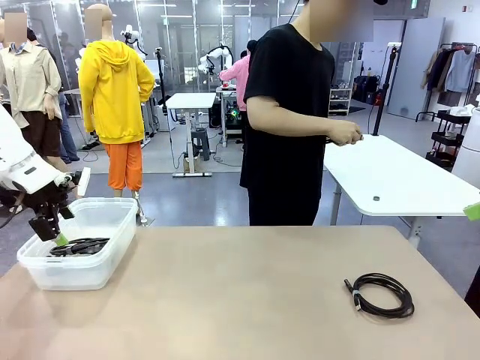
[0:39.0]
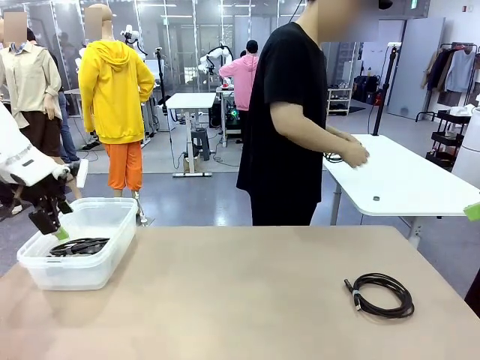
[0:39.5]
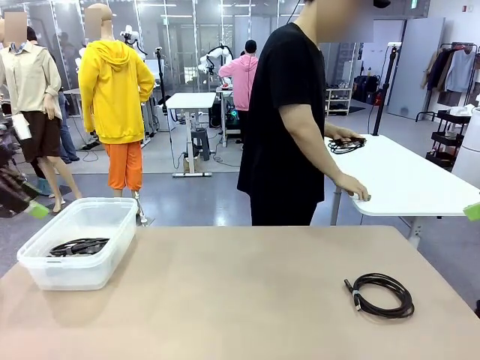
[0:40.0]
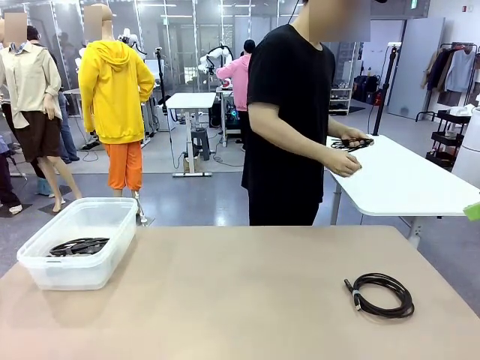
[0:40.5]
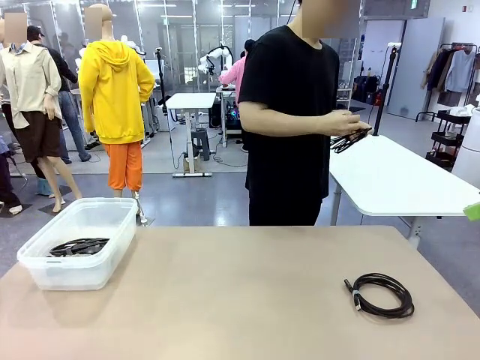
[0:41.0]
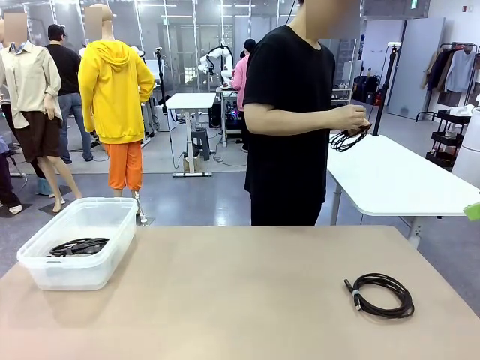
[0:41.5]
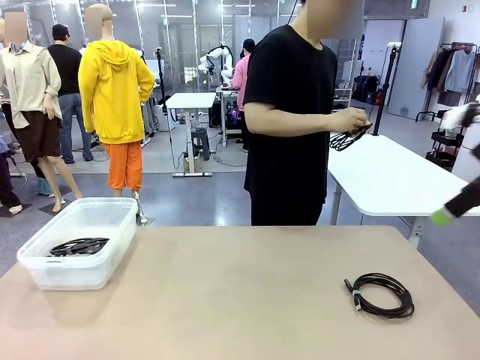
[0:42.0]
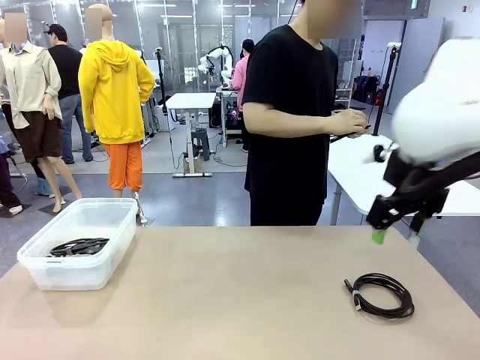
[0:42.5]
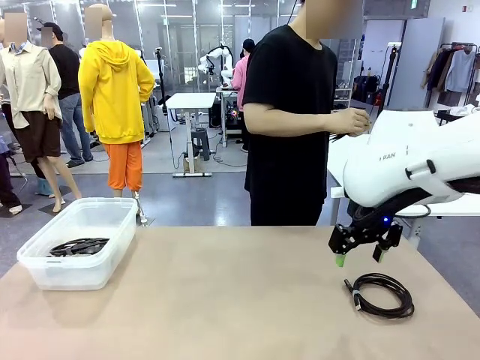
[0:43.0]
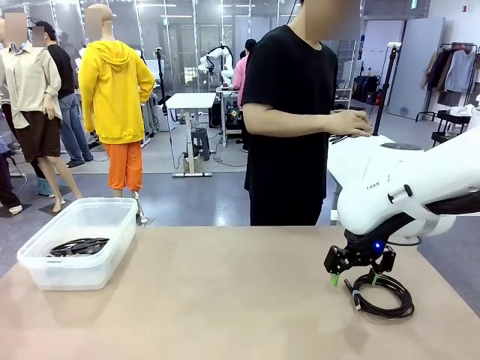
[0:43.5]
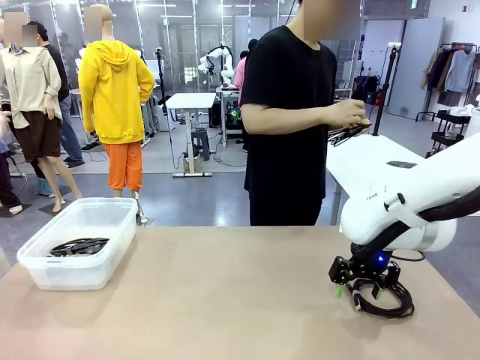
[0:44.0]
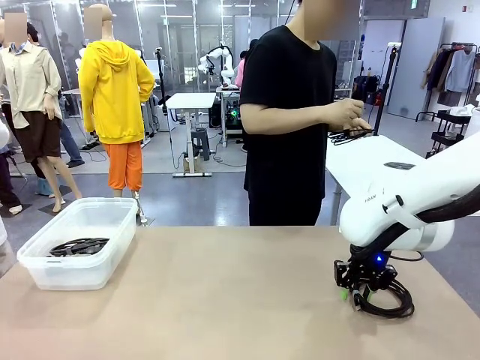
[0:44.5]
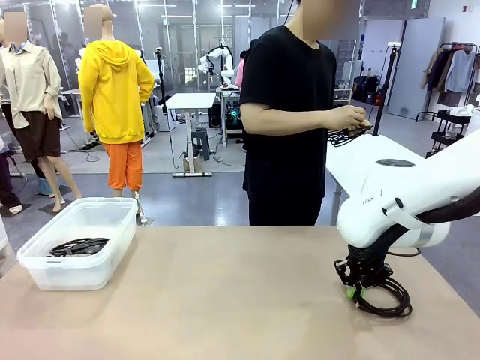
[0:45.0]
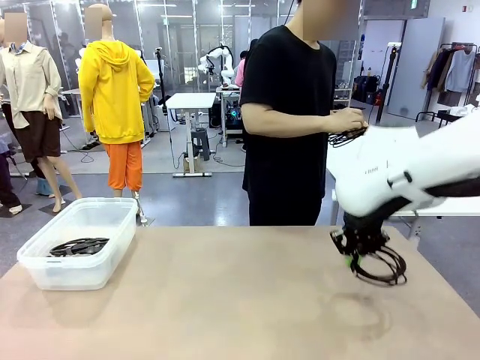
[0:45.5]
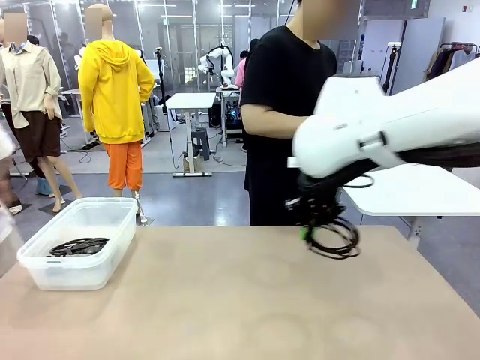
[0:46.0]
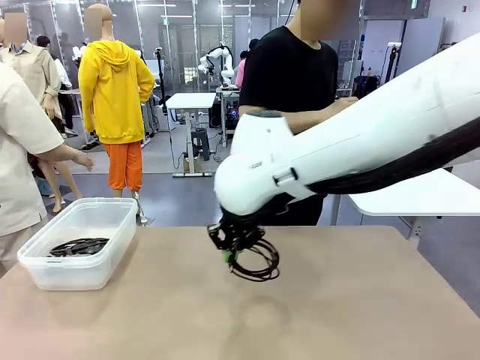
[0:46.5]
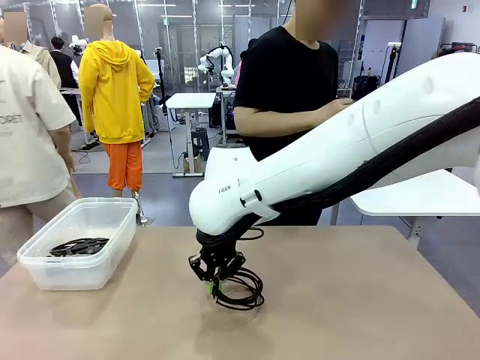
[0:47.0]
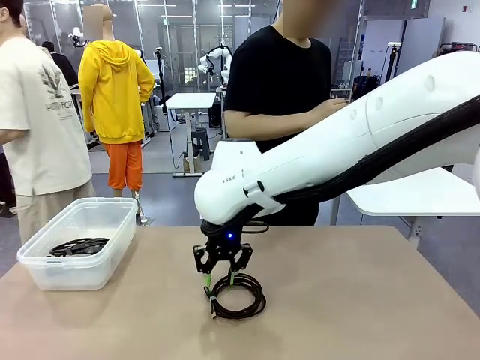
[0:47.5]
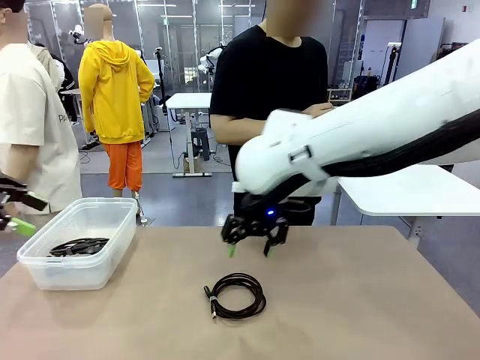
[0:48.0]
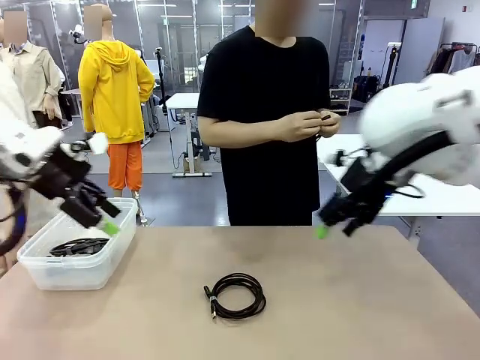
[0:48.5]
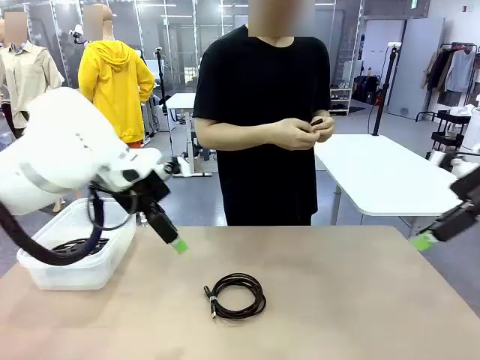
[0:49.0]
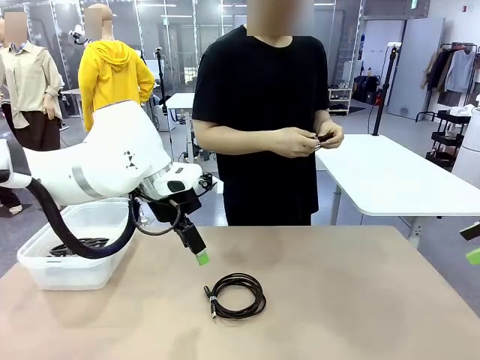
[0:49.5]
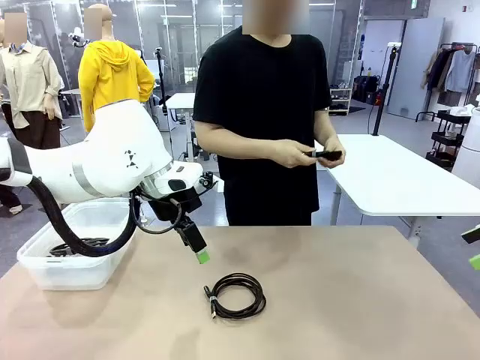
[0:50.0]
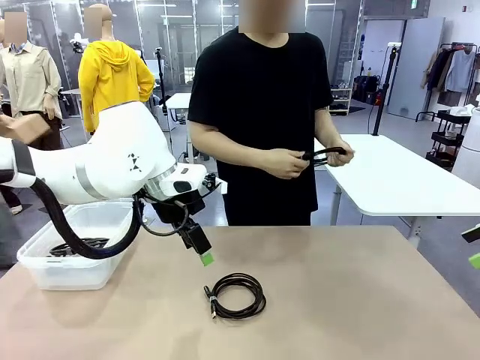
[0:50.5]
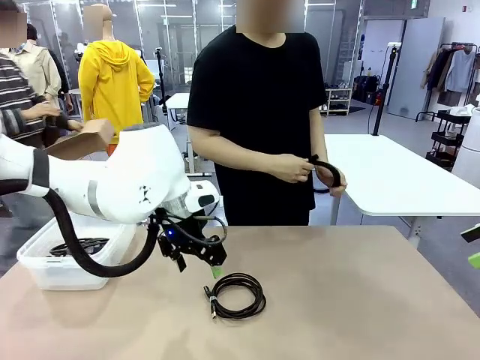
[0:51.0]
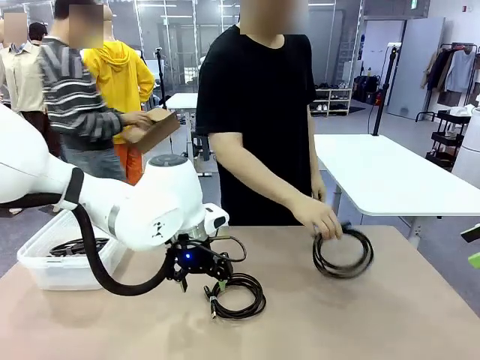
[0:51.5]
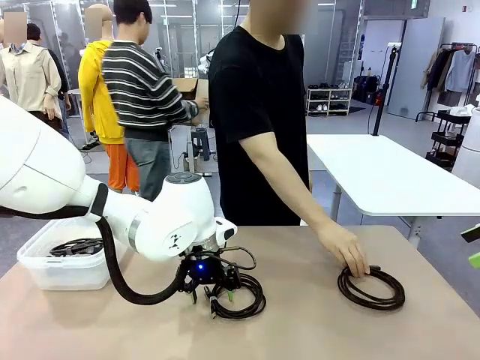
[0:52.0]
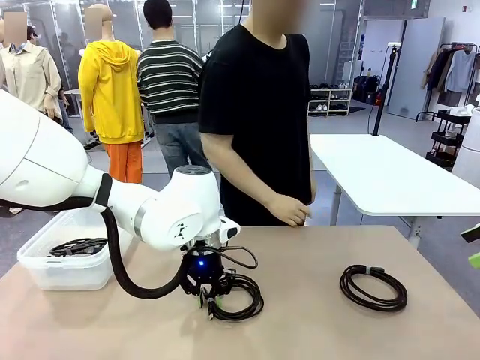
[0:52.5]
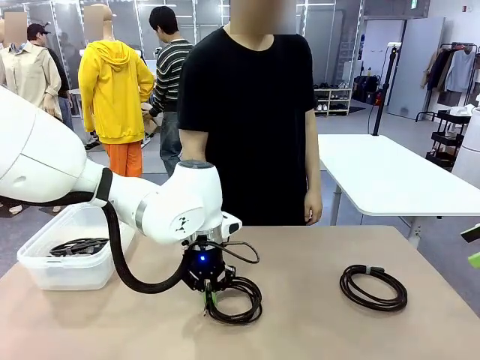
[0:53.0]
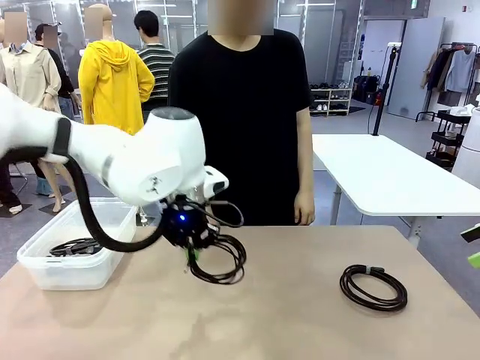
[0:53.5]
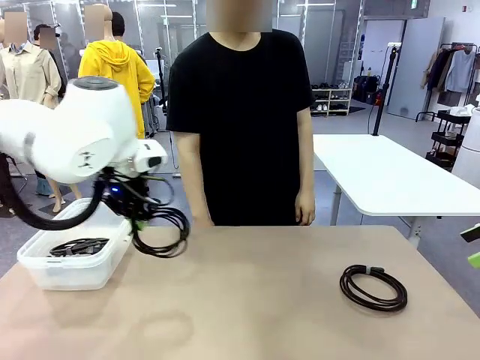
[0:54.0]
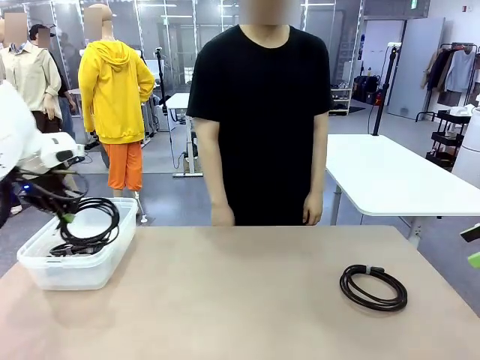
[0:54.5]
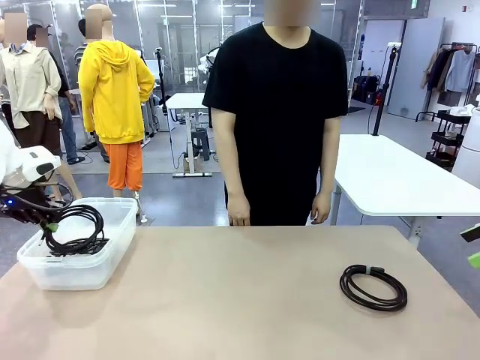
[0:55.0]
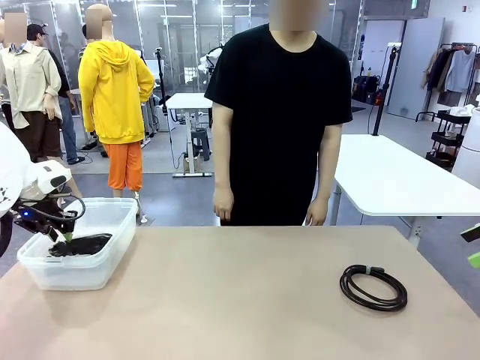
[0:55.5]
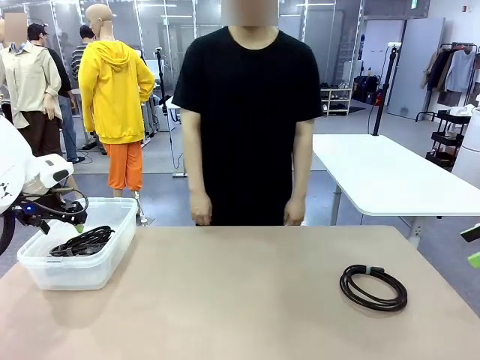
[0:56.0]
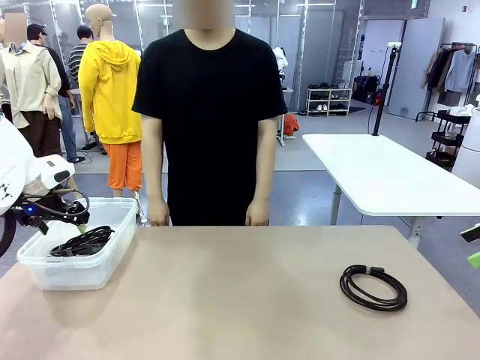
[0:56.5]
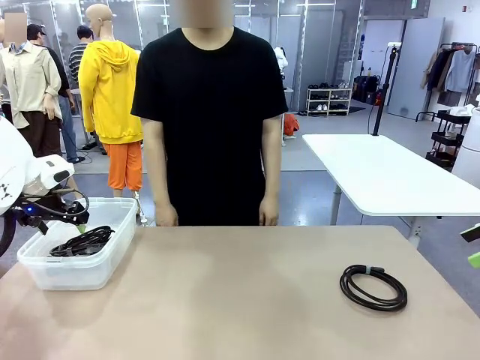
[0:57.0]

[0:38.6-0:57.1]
Task: Organize and store the cables.
Robot: Place the USB Extension Cable into the Organizing box.

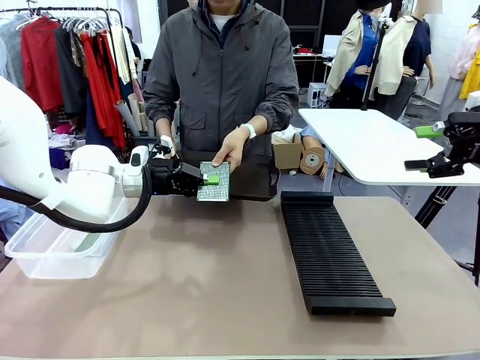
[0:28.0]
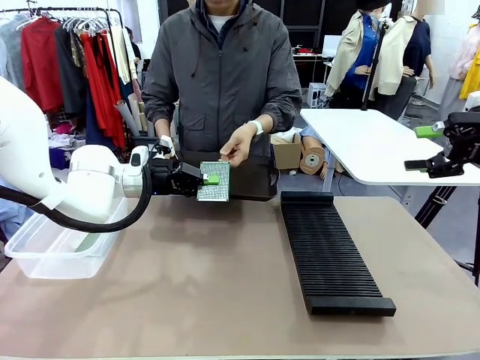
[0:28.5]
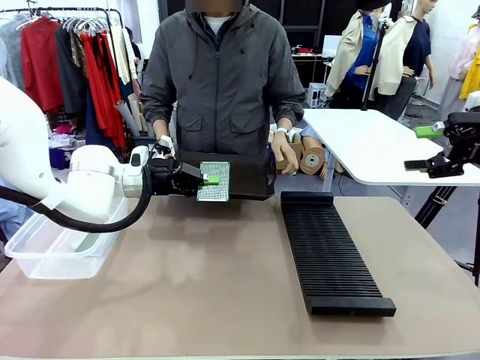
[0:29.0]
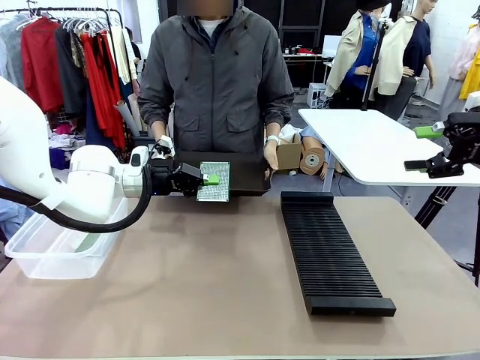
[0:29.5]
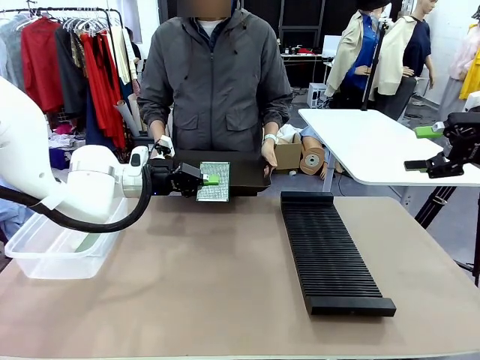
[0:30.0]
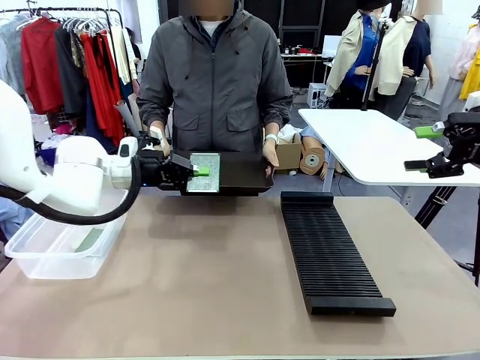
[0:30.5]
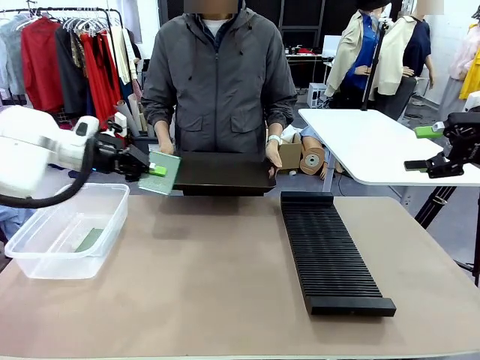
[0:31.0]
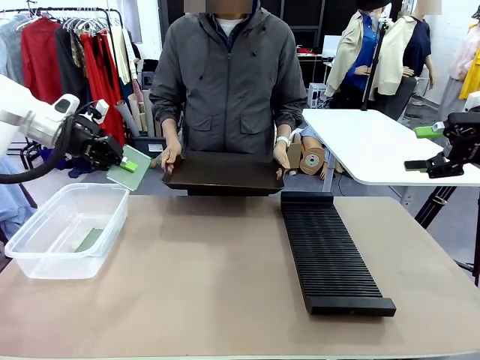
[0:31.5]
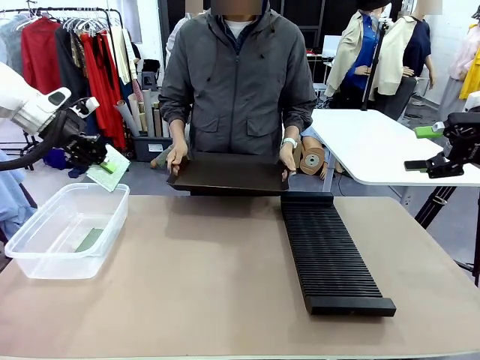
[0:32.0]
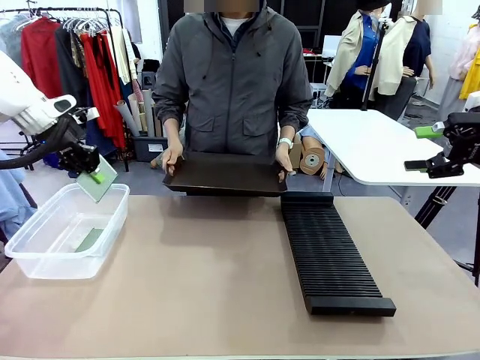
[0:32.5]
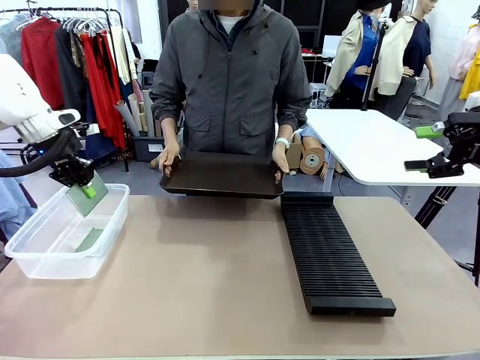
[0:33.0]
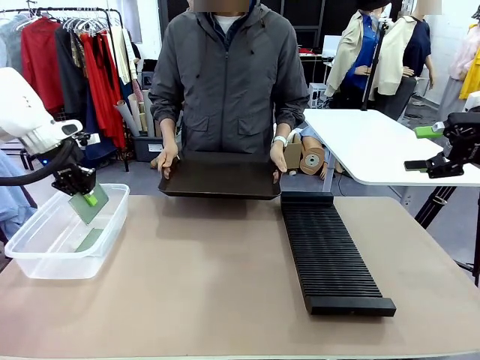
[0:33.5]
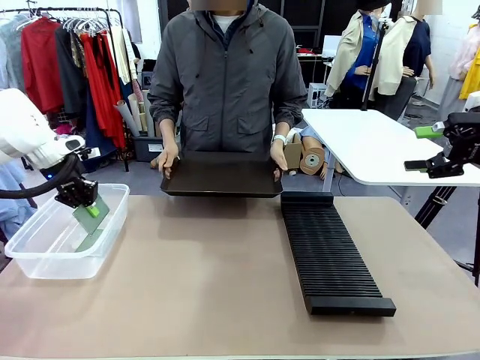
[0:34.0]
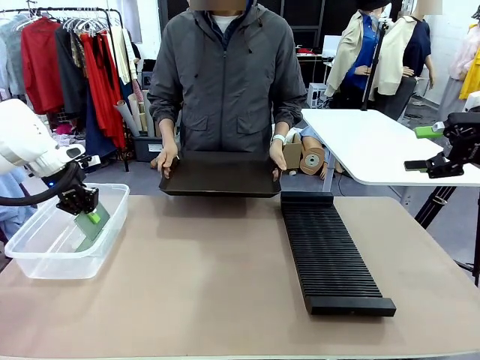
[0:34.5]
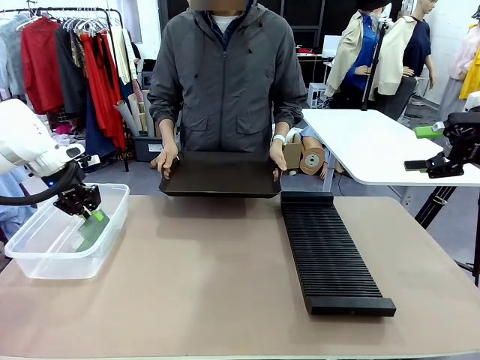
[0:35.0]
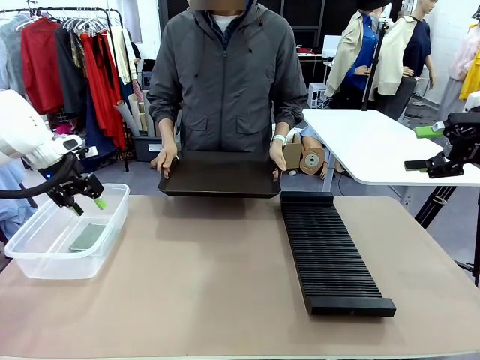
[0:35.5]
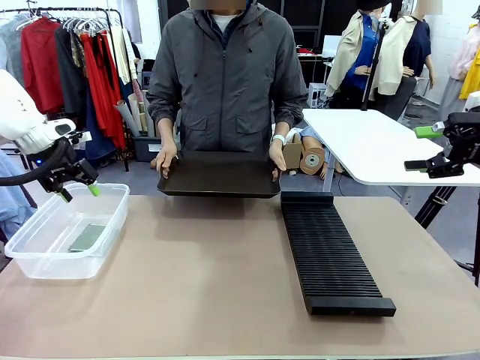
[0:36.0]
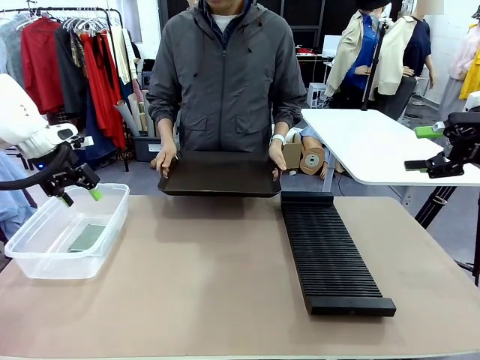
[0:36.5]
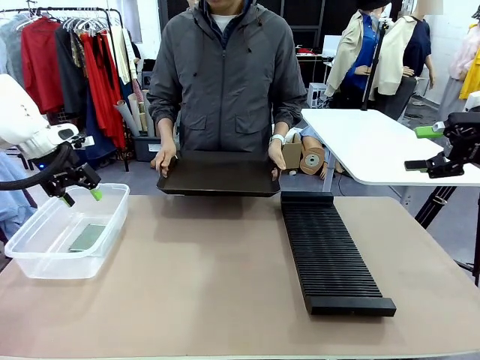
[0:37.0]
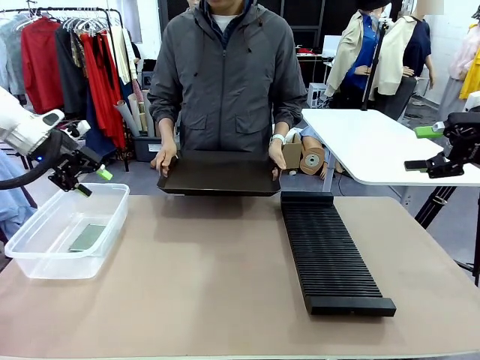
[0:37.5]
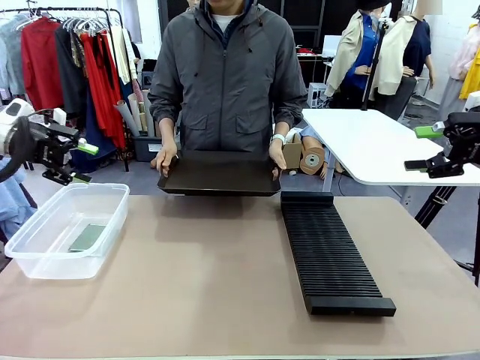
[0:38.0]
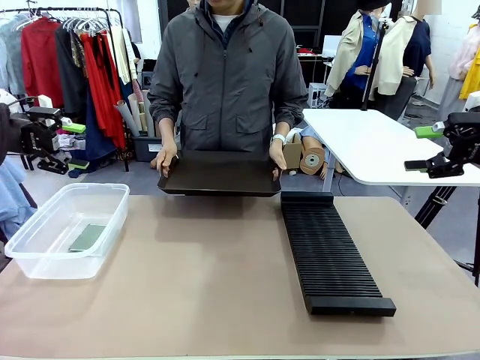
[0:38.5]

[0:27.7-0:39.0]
Task: Sort PCBs into racks and boxes based on the side picked up.
Robot: If the short side of the Blank PCB is picked up, insert it into the PCB Rack ; if the long side is picked up, place it in the Organizing box.
Person: Release the PCB being held.
